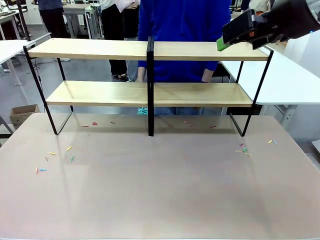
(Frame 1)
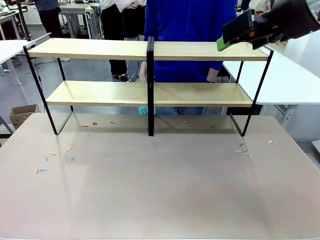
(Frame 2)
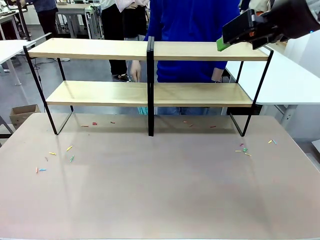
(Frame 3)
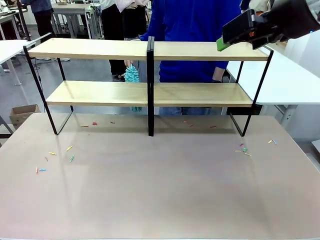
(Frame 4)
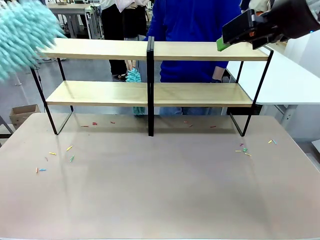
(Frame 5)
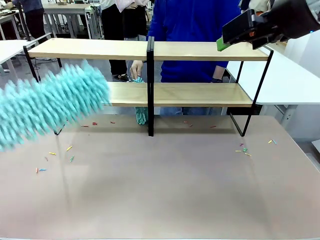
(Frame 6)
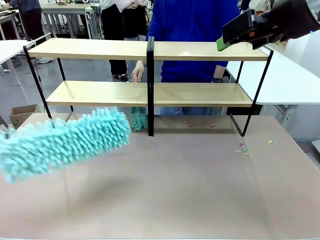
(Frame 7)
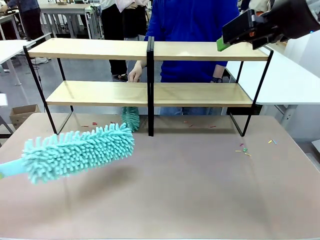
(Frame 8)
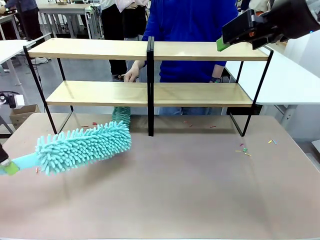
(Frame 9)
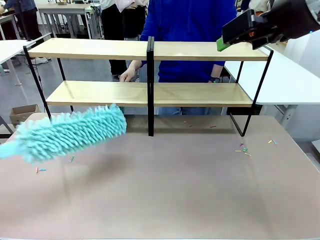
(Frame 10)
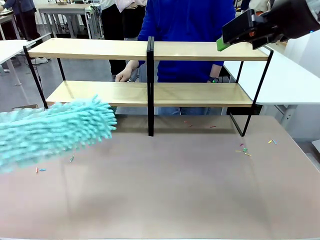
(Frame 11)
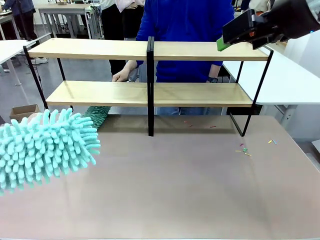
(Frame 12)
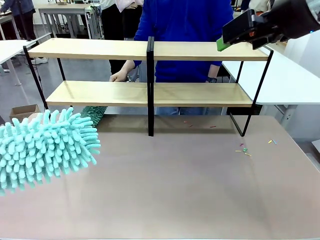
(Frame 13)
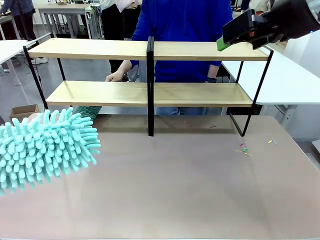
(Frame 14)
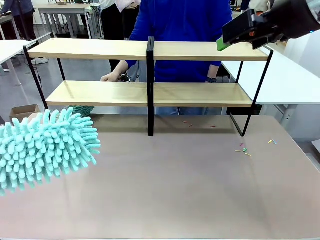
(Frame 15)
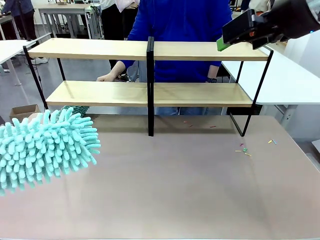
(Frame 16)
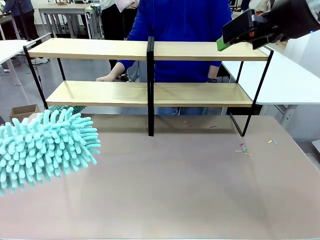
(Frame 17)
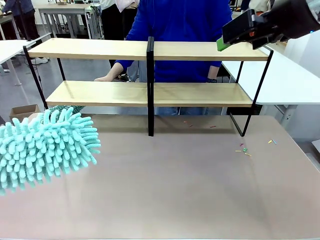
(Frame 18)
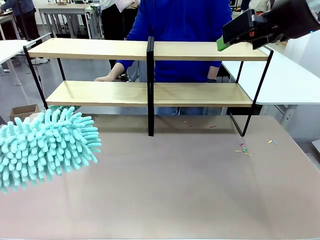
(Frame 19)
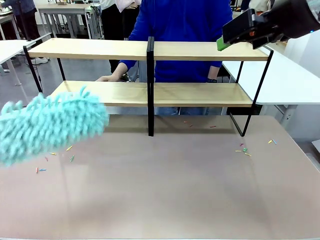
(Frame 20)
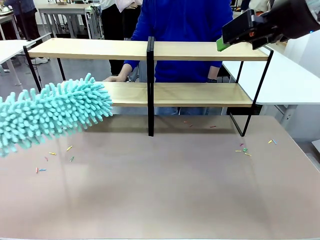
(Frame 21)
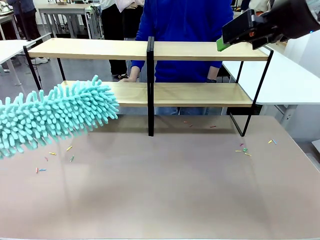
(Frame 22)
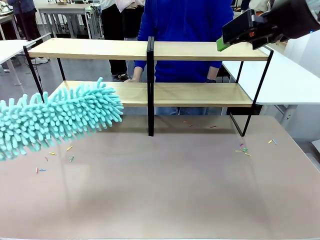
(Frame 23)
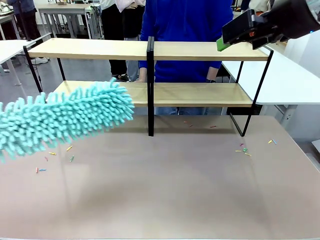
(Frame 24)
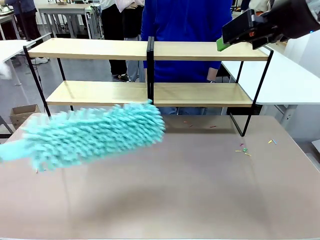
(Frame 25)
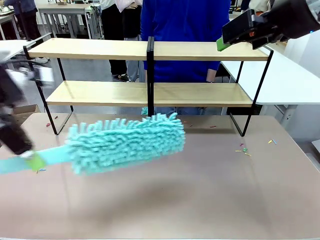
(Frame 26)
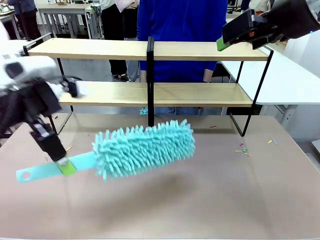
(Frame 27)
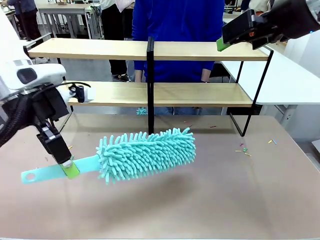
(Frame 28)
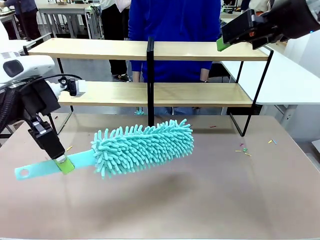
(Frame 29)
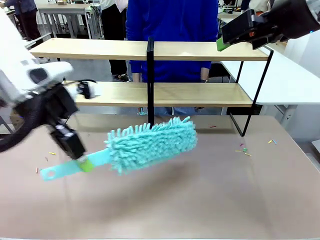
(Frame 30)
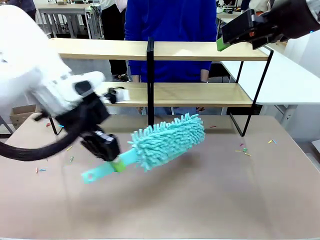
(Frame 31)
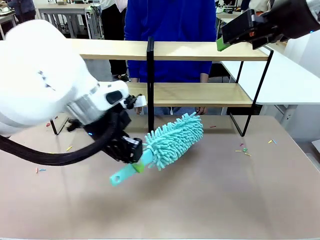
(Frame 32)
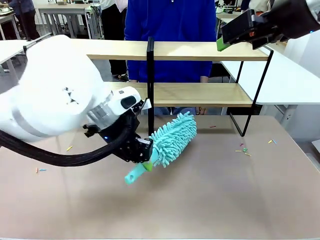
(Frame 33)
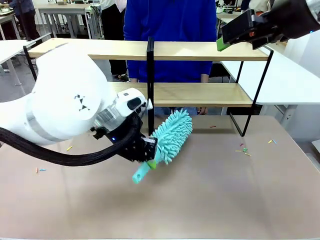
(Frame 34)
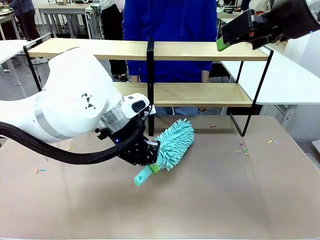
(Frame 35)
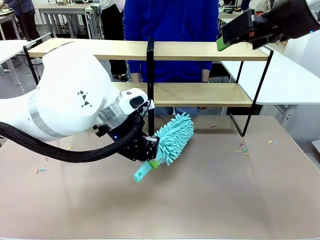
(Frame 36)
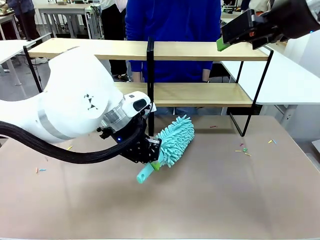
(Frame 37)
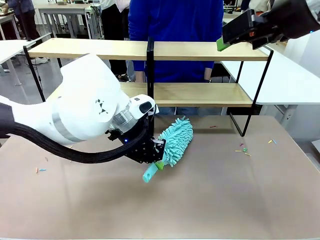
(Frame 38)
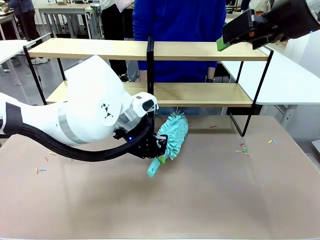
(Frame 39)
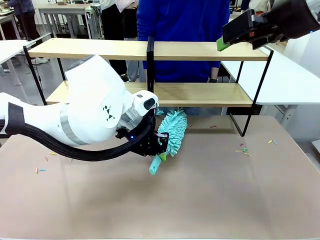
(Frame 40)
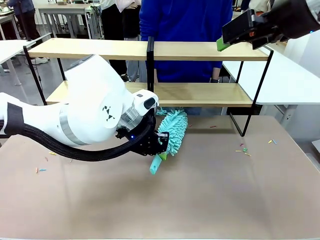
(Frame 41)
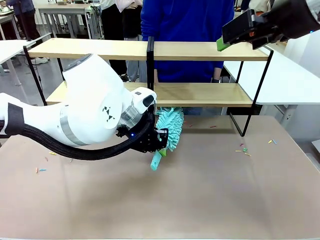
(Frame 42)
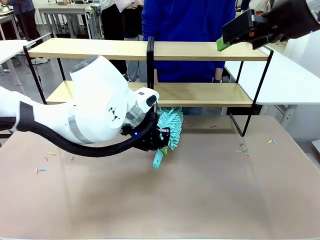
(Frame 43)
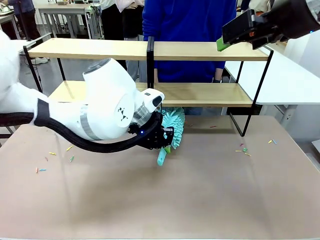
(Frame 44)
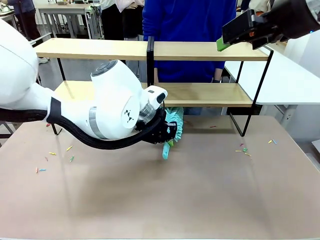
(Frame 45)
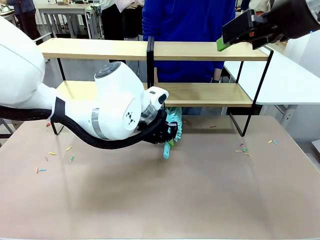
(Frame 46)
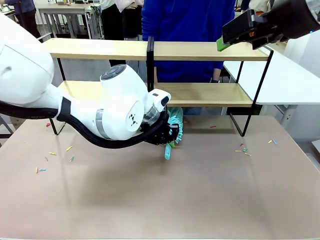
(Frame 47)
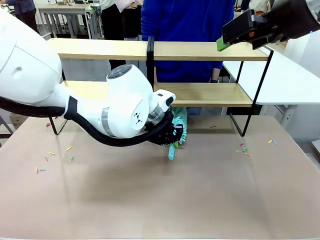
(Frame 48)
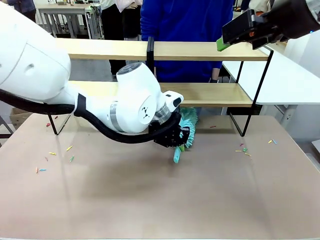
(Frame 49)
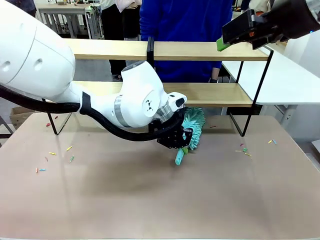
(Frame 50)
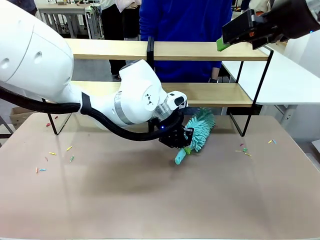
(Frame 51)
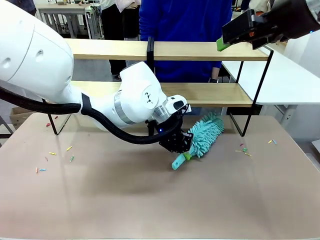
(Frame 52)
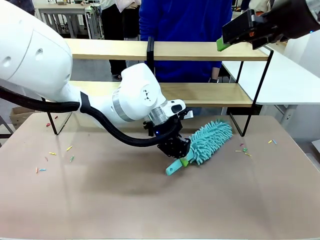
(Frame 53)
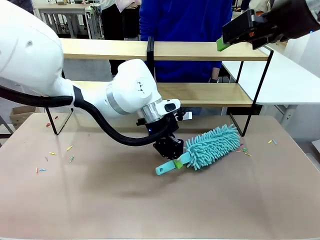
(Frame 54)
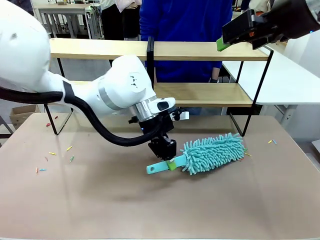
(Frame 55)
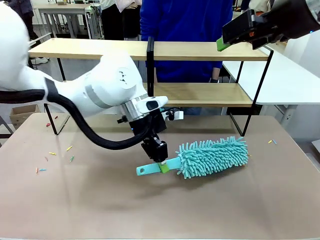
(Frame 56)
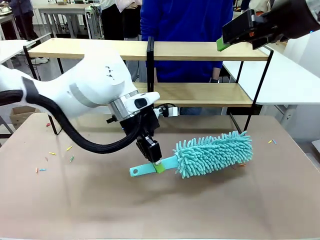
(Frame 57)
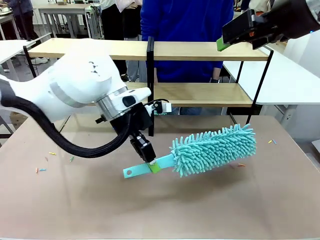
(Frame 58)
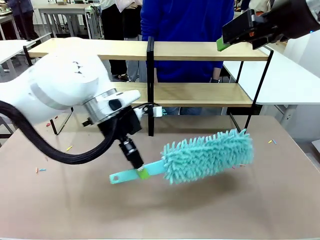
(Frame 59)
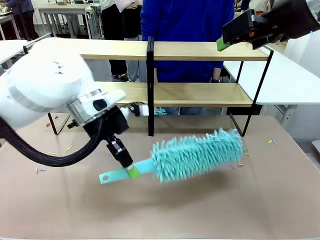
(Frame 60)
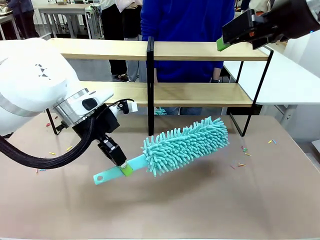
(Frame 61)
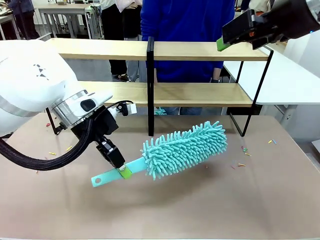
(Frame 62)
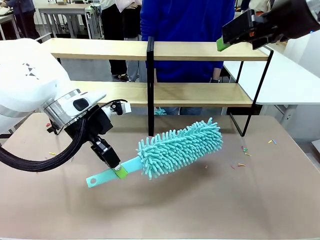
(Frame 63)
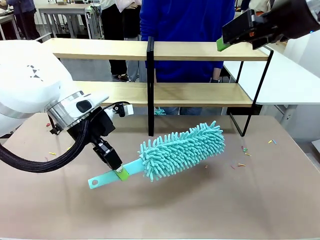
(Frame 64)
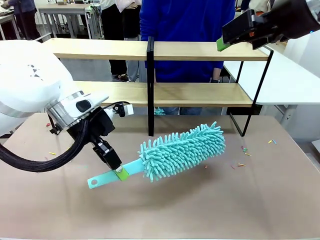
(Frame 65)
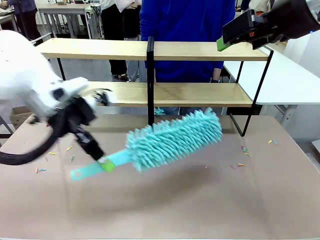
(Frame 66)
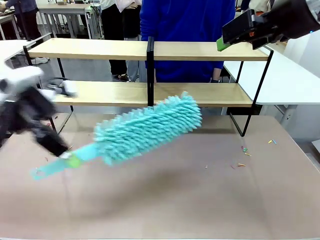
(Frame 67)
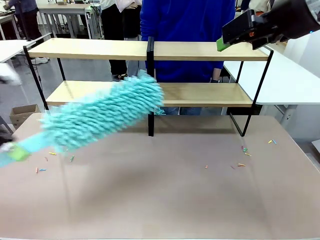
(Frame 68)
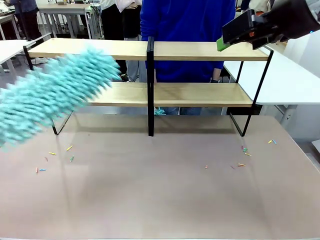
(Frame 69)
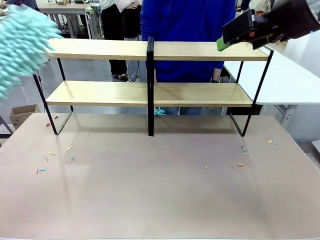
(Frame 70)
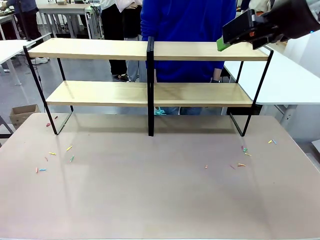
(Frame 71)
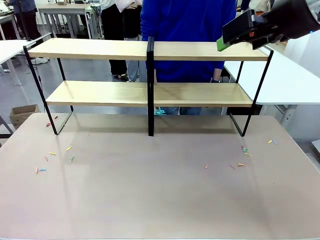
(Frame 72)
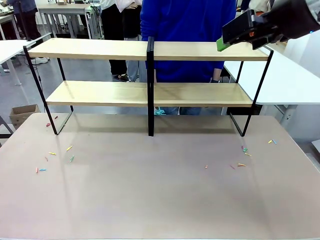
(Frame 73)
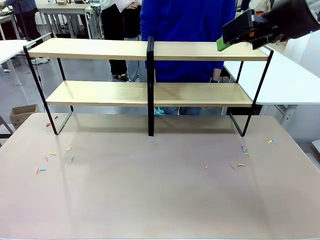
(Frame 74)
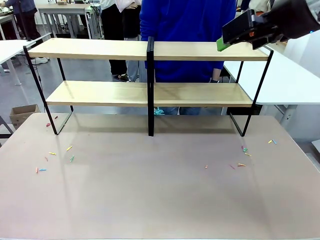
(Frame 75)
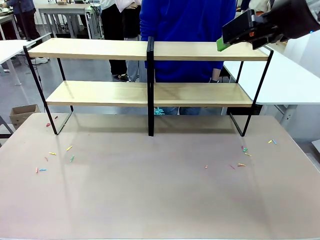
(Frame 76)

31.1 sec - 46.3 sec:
Task: Clean the shelves.
Robot: Clean another randomly selected level of the Shelf with the Duster.

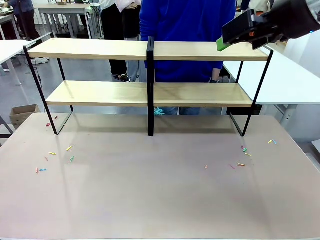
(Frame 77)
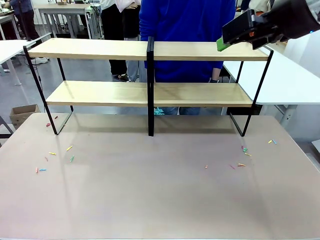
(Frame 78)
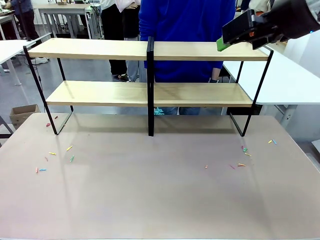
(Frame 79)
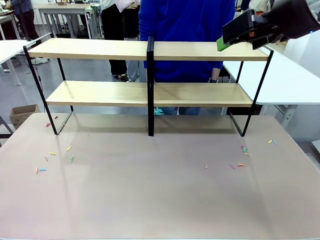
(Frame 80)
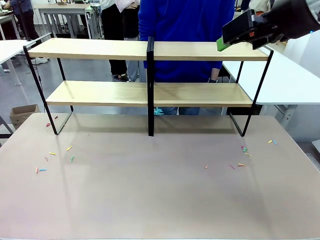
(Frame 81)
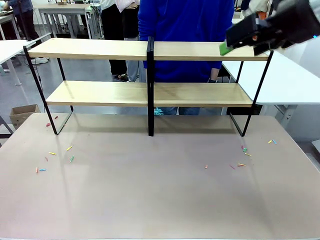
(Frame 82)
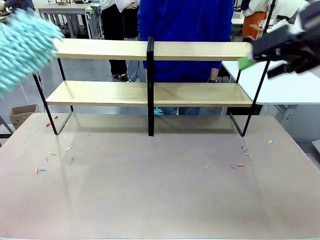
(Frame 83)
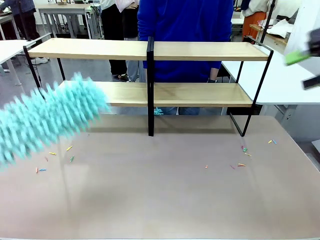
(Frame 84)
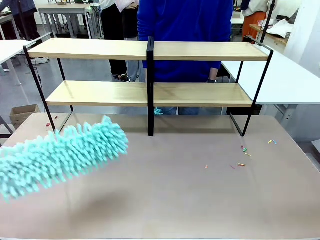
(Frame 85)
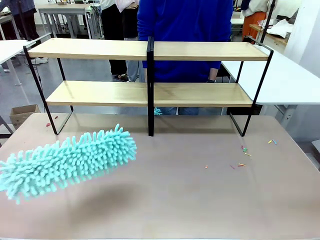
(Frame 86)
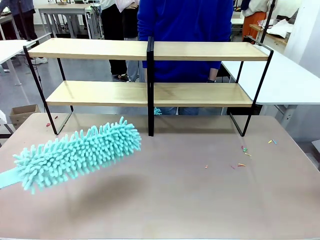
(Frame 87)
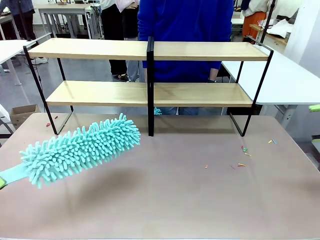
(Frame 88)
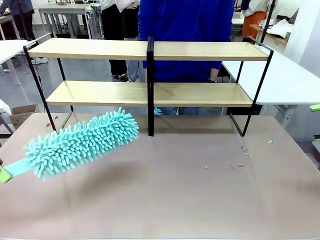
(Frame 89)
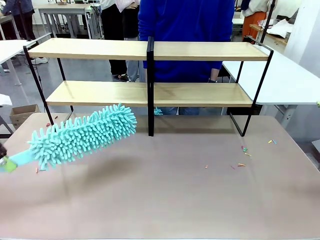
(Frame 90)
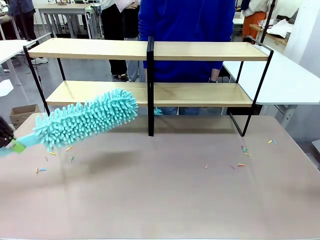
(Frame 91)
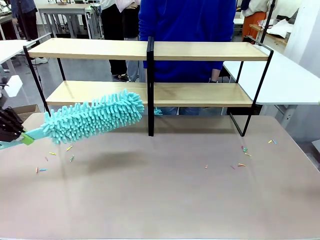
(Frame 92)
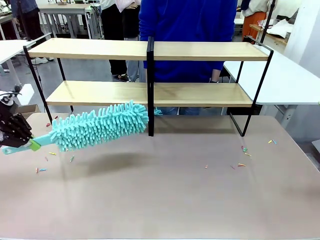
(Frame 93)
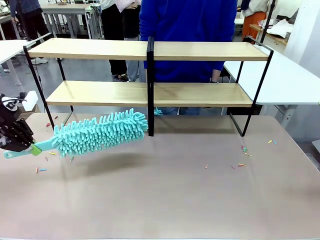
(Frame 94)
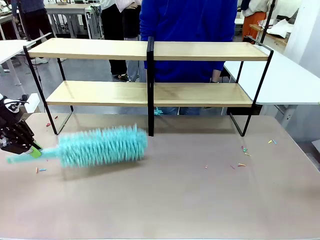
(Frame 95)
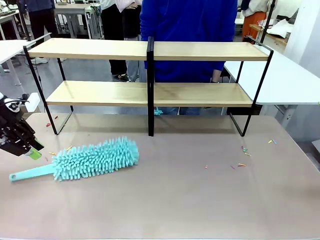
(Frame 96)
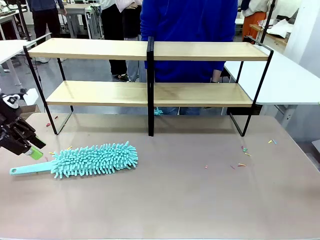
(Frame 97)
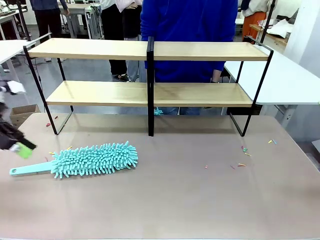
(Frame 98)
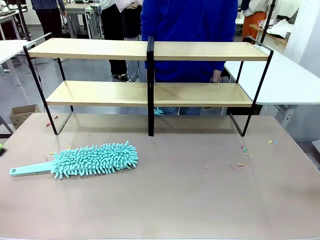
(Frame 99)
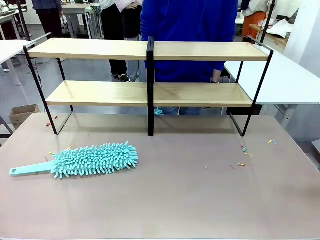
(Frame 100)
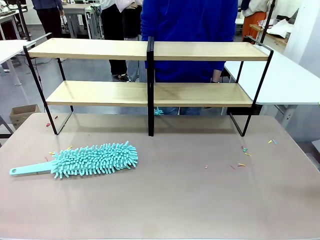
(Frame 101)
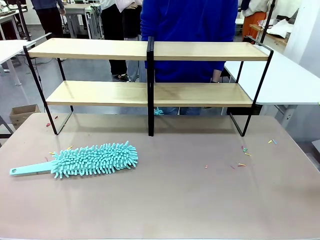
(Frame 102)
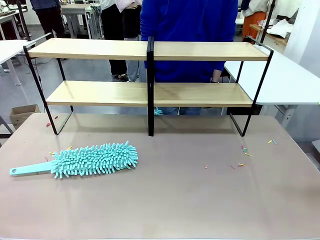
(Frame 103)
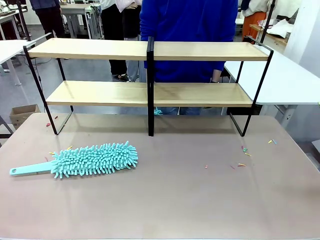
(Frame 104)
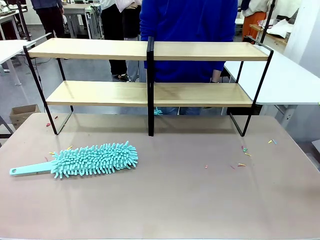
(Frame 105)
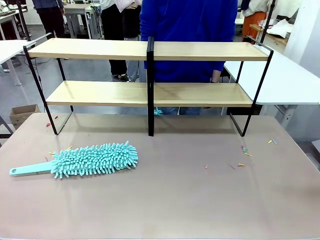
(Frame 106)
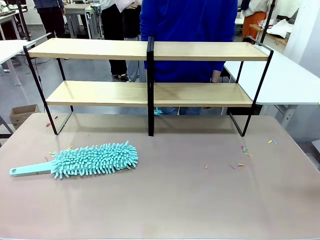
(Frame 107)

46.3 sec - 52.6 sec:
Robot: Place the Duster on the table.
